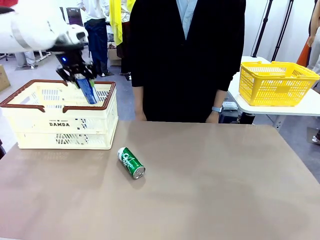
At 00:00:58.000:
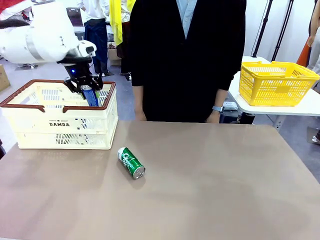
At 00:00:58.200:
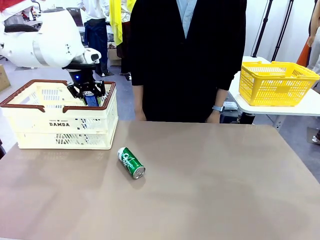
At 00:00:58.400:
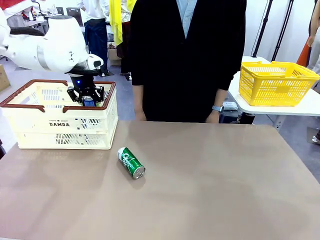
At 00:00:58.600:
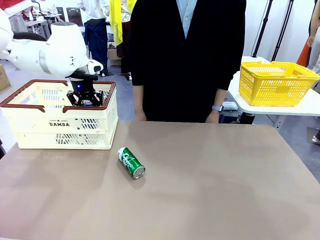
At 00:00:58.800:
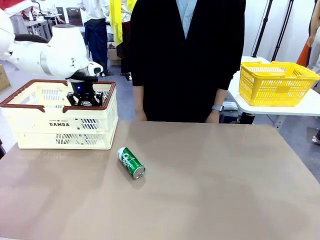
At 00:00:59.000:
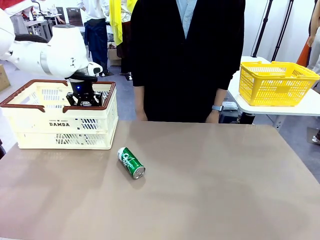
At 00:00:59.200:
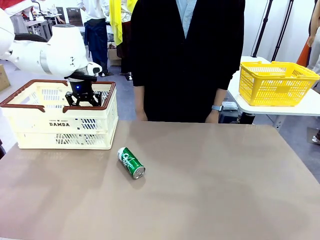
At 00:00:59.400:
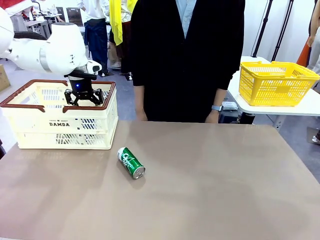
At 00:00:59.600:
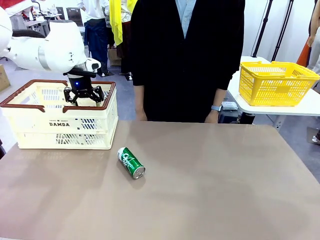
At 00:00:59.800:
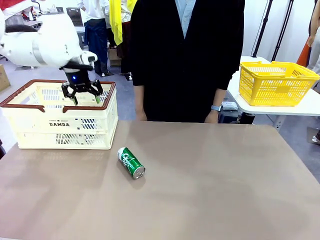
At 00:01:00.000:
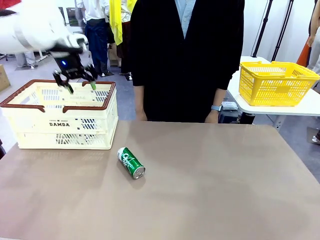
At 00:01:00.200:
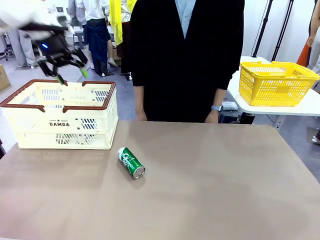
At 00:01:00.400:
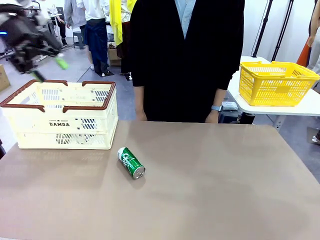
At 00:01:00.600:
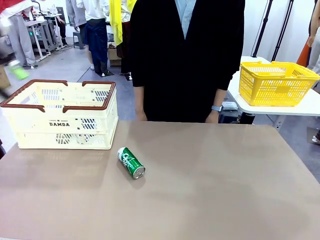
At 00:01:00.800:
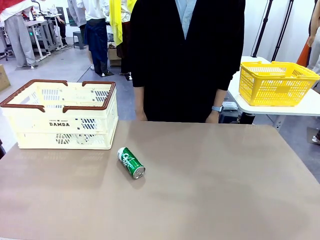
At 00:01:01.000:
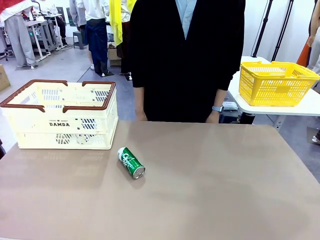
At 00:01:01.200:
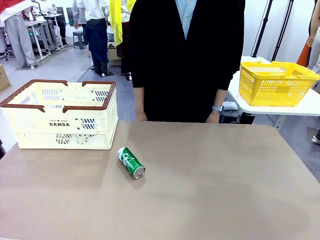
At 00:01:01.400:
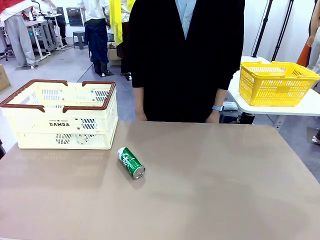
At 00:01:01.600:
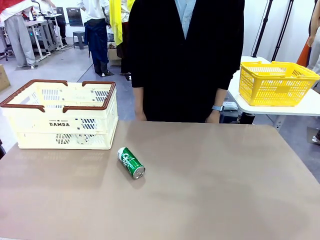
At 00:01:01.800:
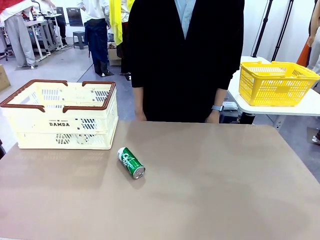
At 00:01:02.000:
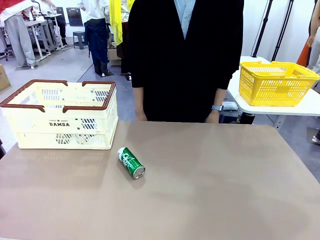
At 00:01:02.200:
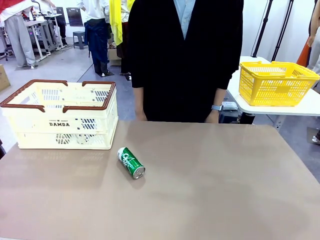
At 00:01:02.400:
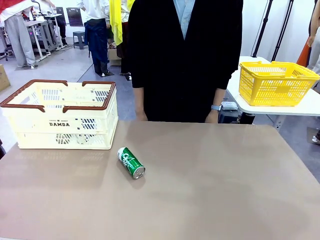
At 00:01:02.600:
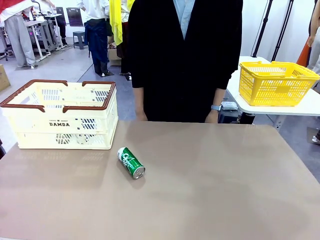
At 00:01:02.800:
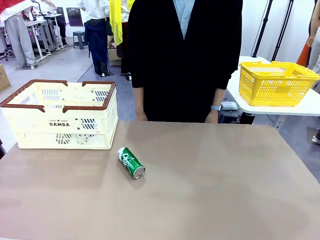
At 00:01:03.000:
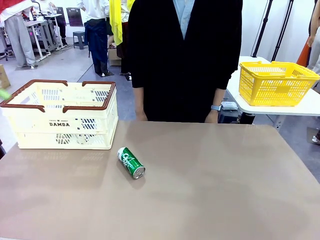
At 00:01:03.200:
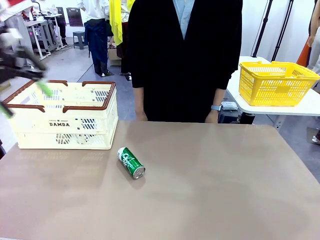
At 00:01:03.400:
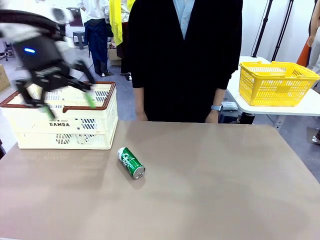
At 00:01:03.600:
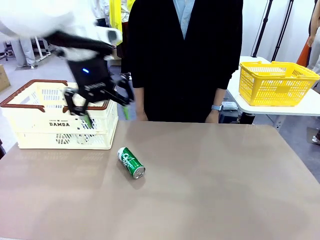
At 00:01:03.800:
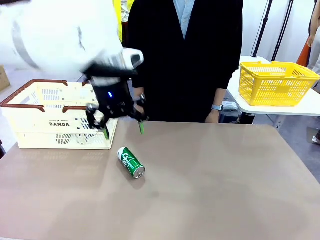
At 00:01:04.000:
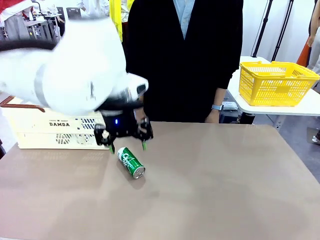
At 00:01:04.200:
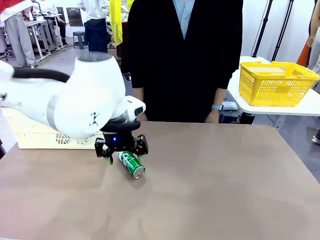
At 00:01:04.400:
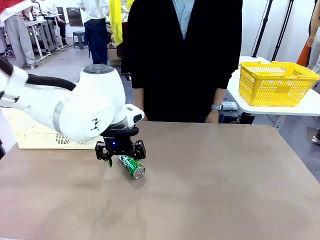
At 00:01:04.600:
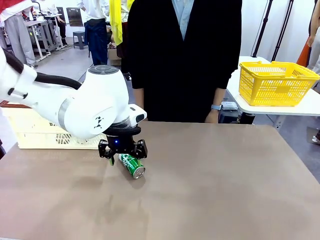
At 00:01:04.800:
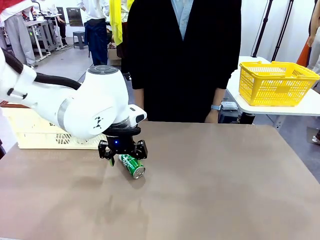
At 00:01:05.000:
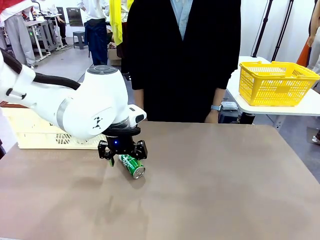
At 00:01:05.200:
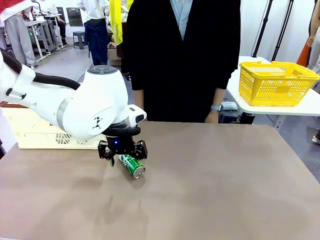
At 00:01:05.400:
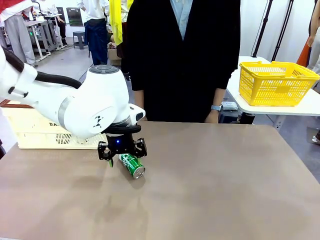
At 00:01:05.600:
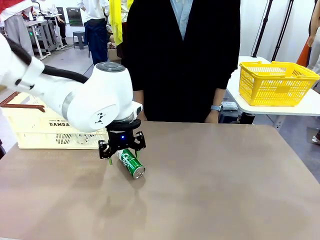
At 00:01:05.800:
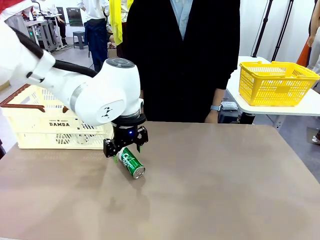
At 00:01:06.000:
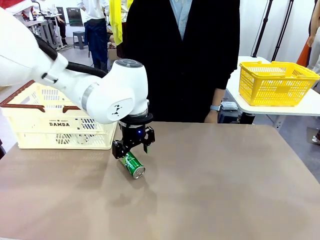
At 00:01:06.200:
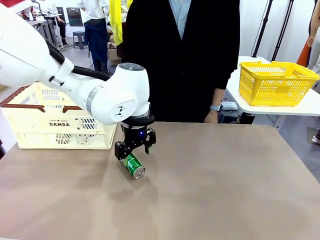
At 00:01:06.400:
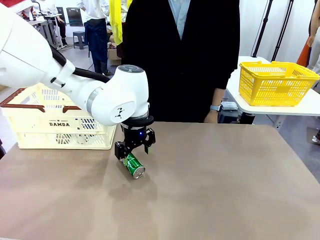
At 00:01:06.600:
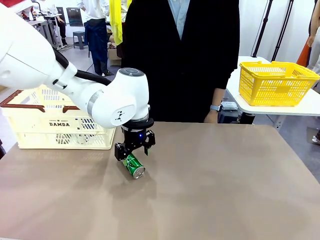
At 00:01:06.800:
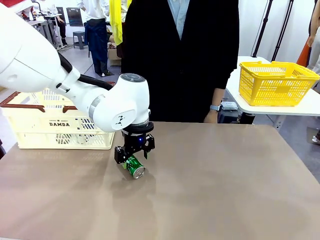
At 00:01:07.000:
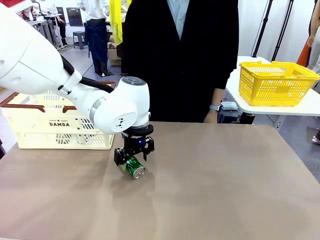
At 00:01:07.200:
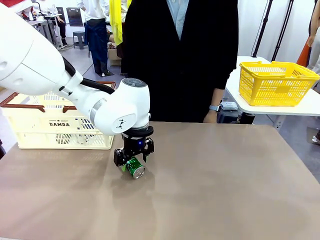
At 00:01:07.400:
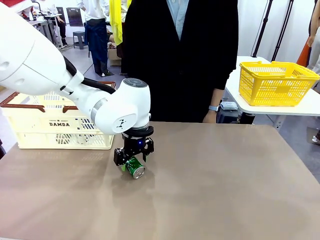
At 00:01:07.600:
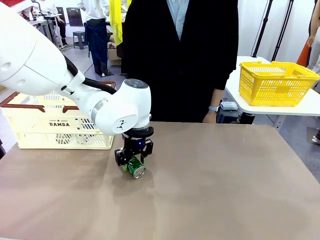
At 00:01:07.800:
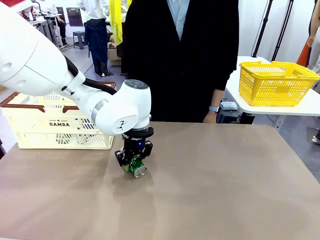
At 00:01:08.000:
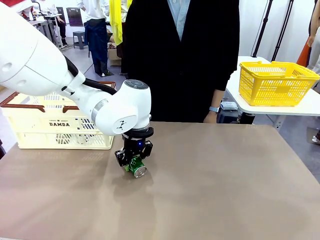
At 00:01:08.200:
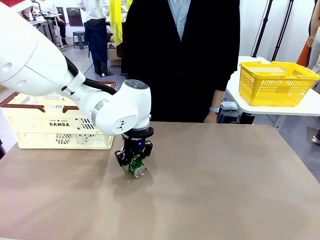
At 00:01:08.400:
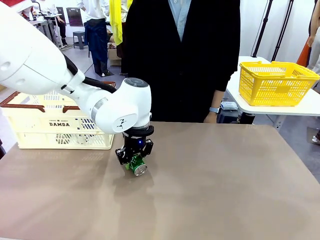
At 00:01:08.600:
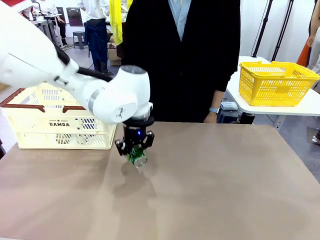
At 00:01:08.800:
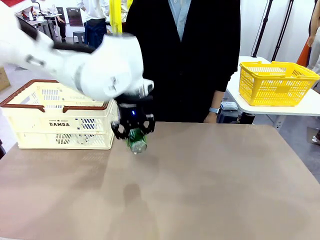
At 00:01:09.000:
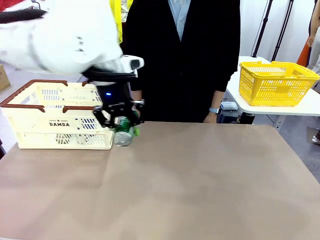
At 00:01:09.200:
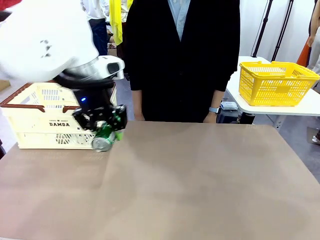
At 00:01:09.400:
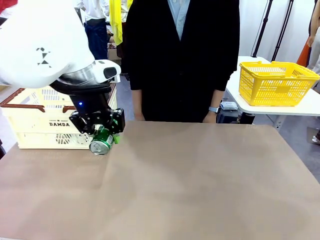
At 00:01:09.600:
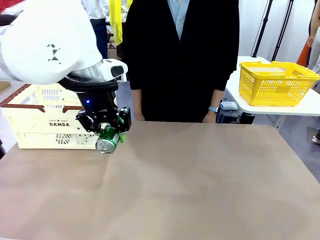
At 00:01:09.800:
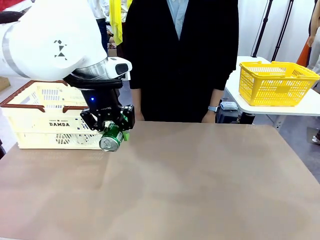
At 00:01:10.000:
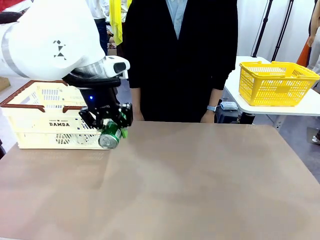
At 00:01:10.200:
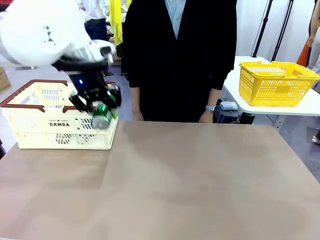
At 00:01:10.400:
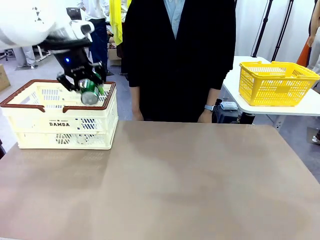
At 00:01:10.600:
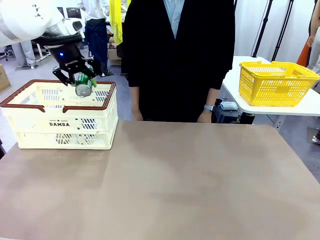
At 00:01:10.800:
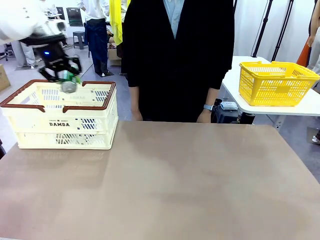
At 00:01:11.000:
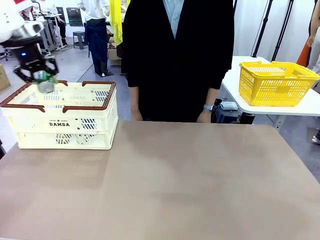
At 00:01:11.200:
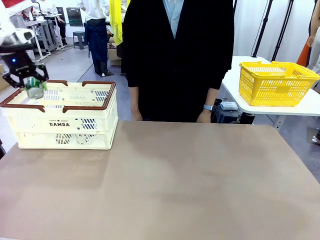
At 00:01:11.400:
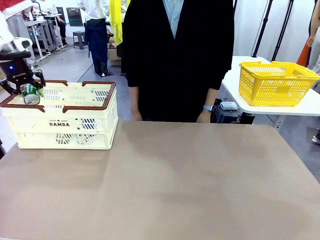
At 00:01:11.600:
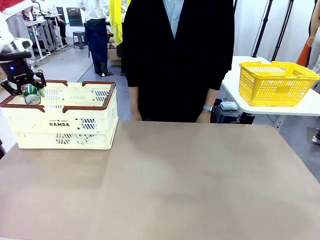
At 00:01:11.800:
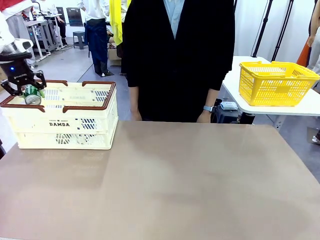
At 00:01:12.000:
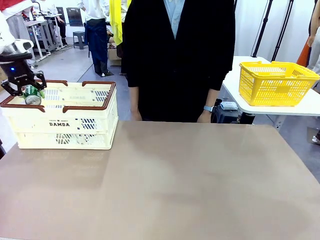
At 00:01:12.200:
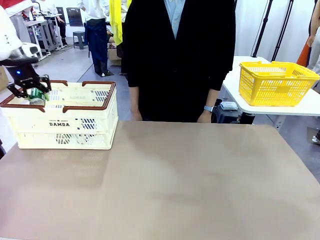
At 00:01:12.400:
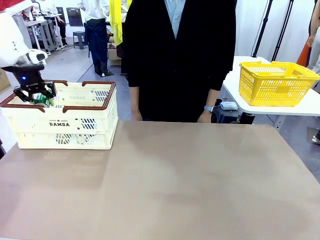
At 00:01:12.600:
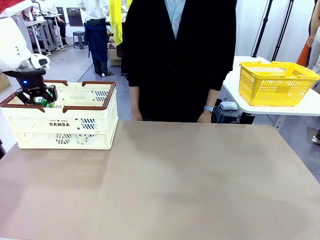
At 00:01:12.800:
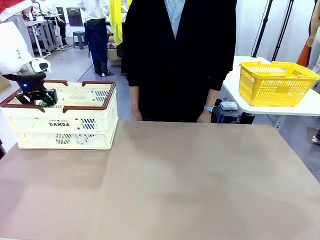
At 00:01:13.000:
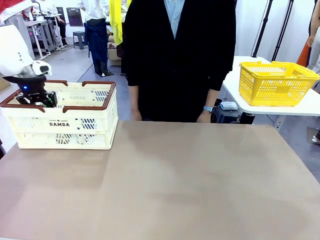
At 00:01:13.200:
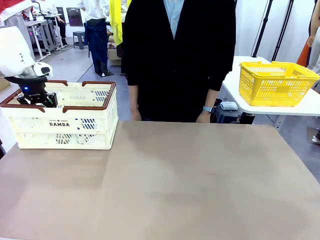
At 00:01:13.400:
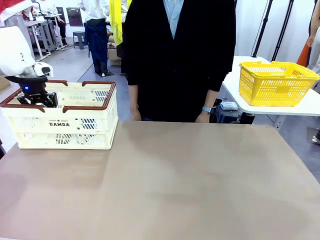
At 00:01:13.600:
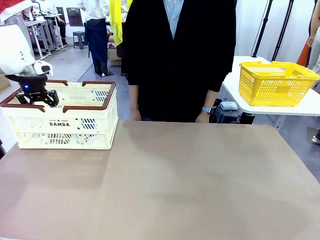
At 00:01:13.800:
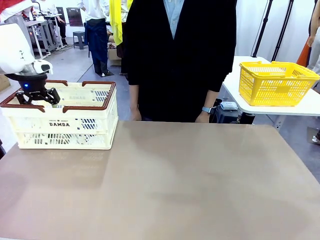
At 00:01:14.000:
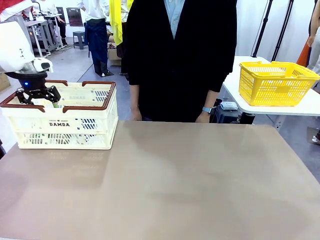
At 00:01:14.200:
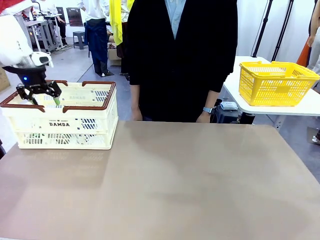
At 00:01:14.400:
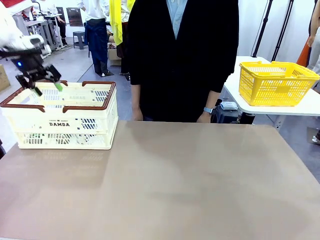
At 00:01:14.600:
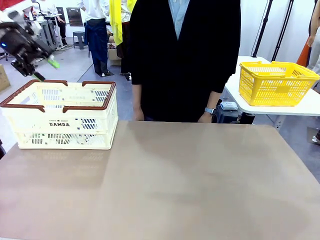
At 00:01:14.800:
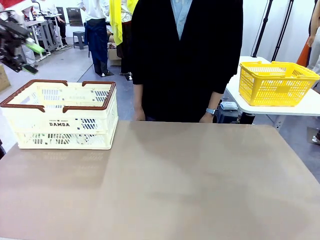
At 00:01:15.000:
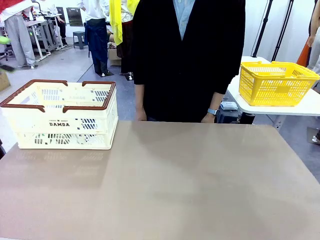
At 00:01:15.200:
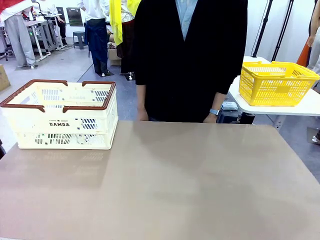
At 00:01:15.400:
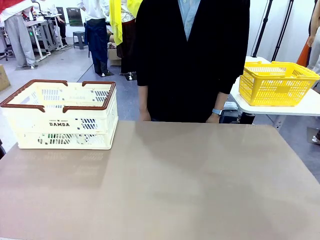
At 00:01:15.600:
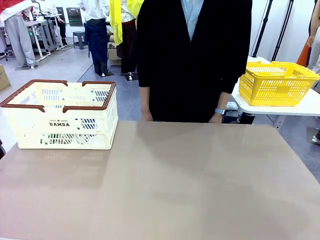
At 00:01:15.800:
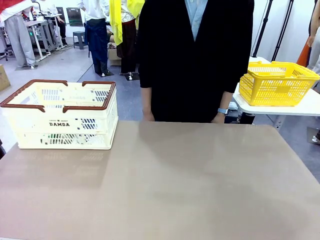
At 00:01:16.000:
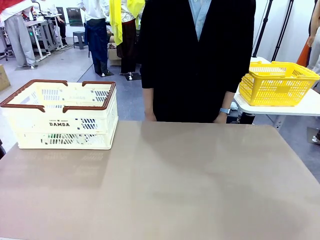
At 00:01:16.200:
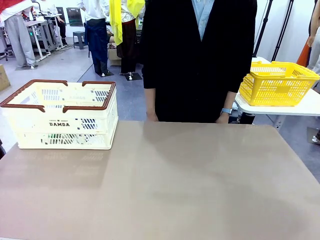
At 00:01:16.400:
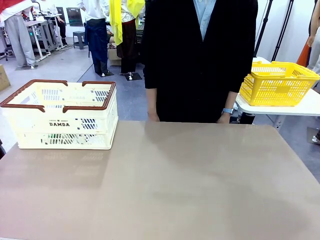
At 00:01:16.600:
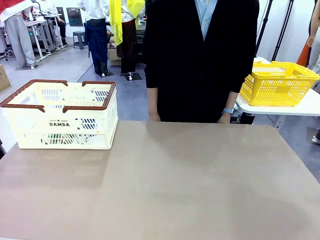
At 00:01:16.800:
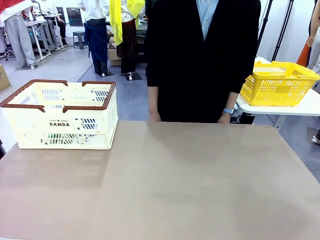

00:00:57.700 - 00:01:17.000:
Task: Place the drinks into the Shopping basket.
Robot: Pick up one drink and place it into the Shopping basket.
